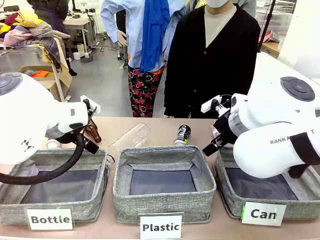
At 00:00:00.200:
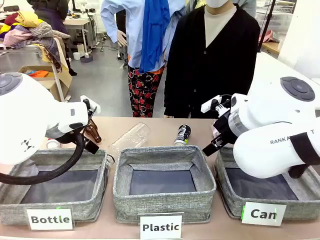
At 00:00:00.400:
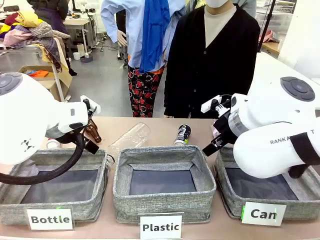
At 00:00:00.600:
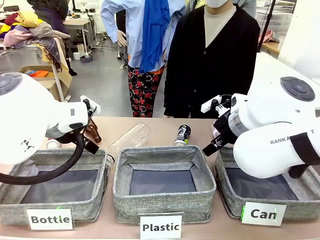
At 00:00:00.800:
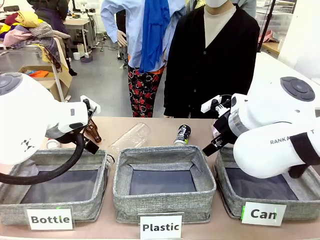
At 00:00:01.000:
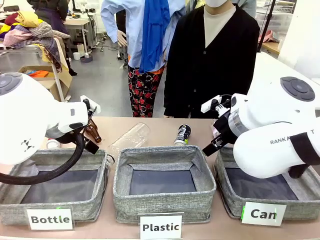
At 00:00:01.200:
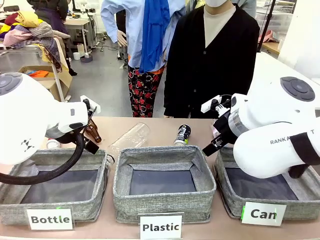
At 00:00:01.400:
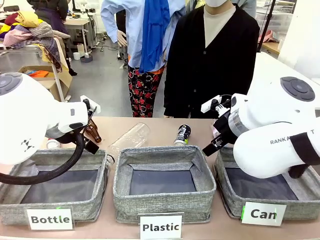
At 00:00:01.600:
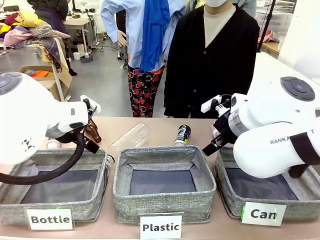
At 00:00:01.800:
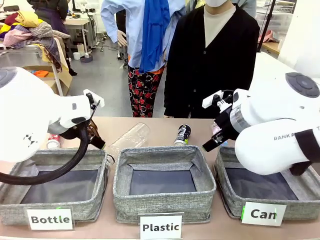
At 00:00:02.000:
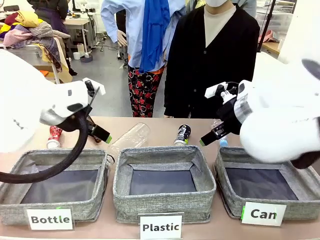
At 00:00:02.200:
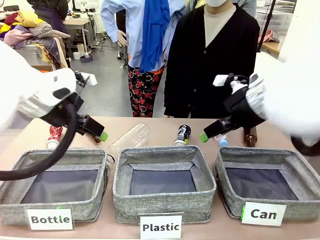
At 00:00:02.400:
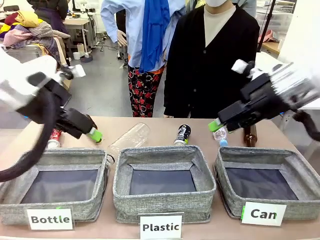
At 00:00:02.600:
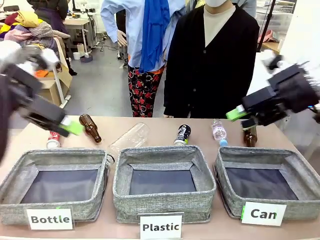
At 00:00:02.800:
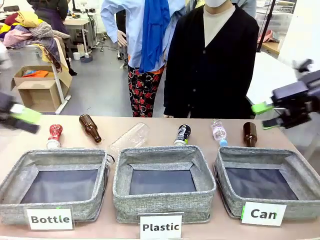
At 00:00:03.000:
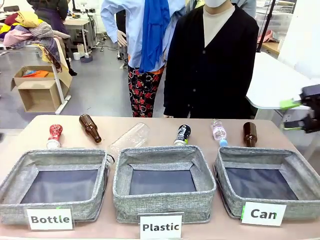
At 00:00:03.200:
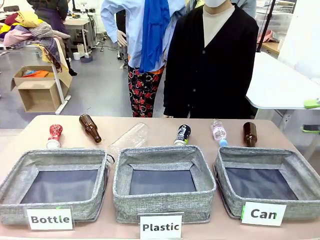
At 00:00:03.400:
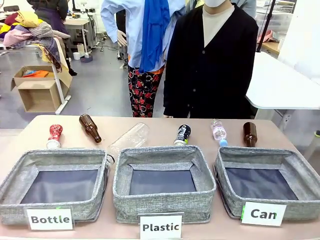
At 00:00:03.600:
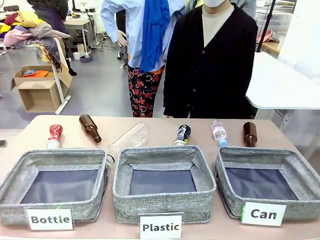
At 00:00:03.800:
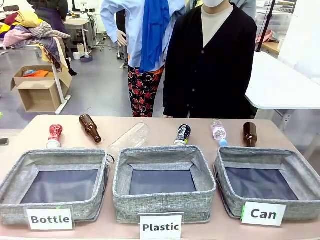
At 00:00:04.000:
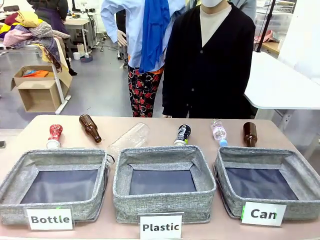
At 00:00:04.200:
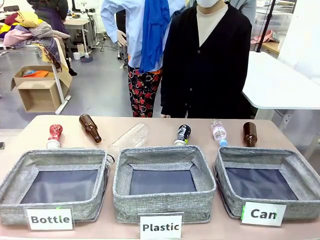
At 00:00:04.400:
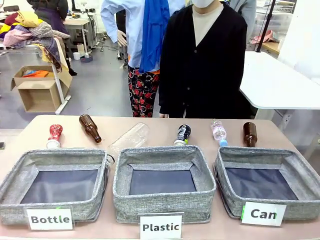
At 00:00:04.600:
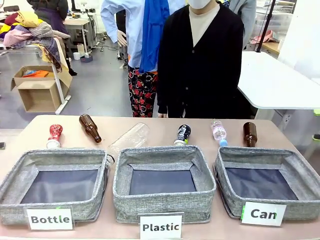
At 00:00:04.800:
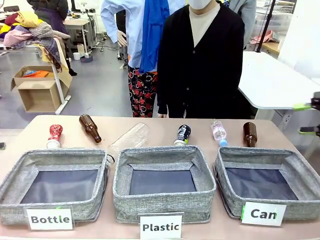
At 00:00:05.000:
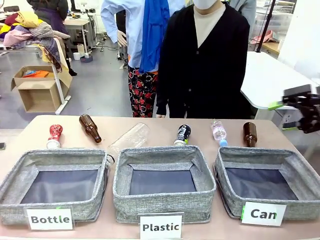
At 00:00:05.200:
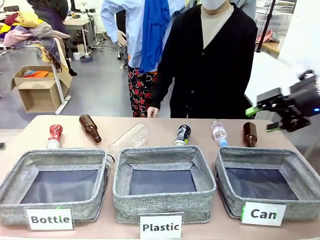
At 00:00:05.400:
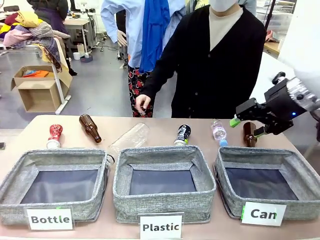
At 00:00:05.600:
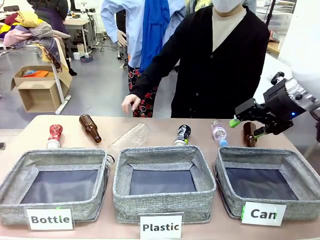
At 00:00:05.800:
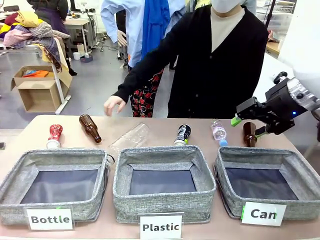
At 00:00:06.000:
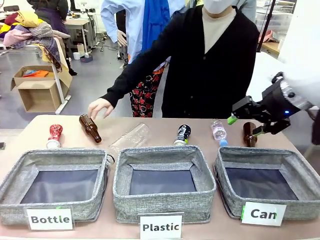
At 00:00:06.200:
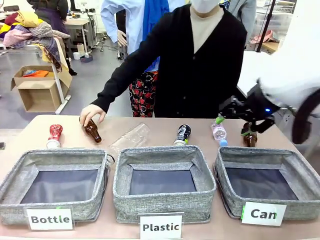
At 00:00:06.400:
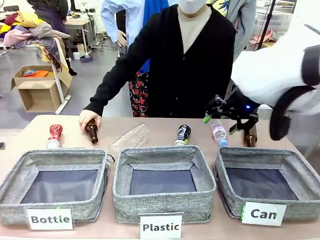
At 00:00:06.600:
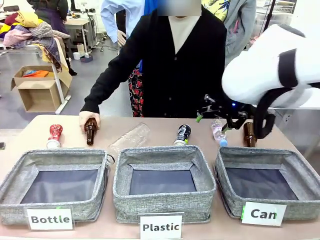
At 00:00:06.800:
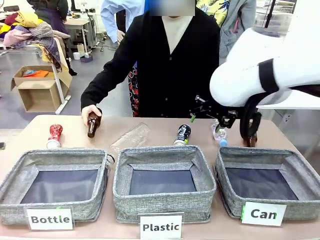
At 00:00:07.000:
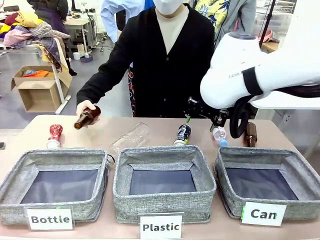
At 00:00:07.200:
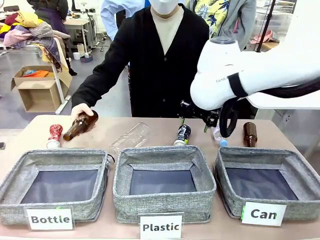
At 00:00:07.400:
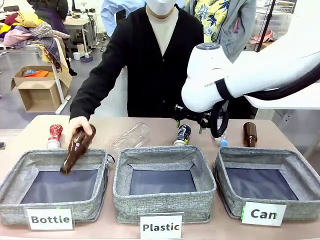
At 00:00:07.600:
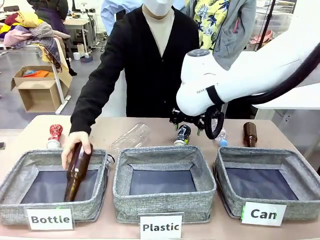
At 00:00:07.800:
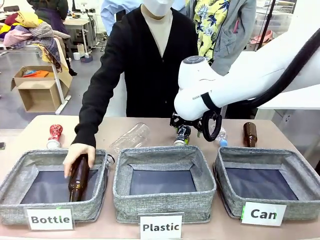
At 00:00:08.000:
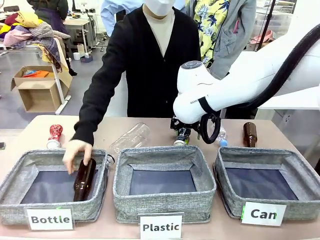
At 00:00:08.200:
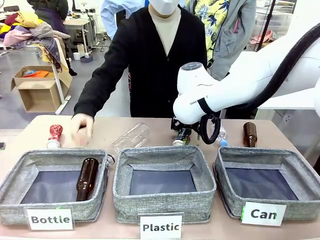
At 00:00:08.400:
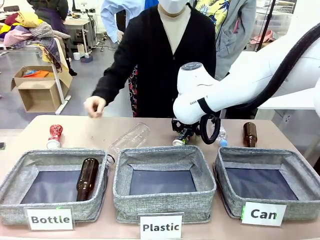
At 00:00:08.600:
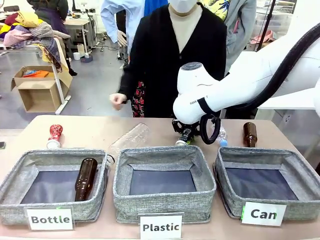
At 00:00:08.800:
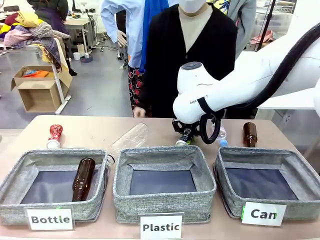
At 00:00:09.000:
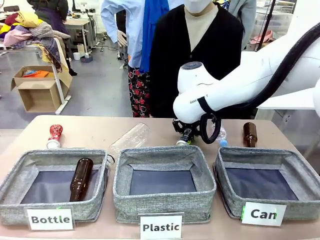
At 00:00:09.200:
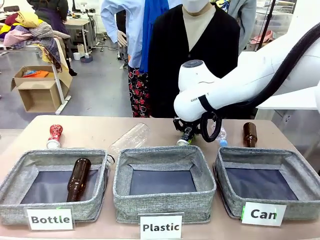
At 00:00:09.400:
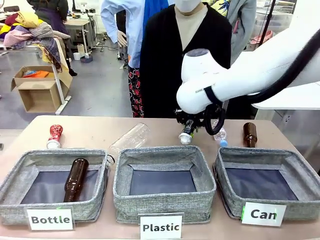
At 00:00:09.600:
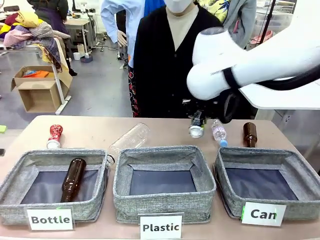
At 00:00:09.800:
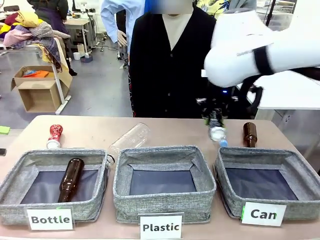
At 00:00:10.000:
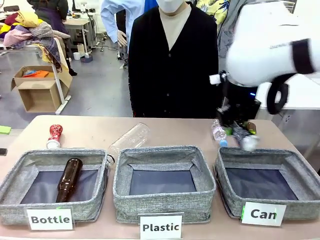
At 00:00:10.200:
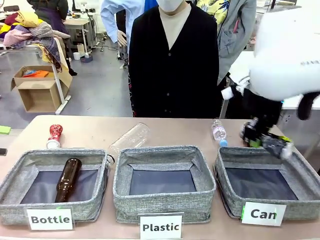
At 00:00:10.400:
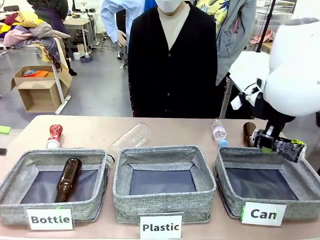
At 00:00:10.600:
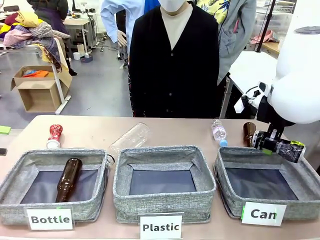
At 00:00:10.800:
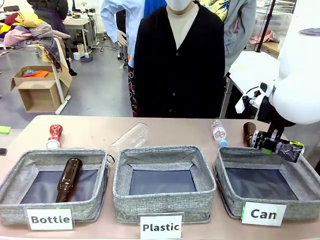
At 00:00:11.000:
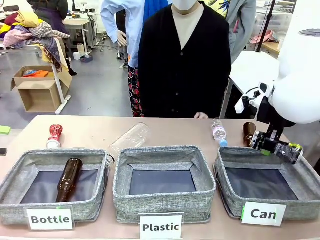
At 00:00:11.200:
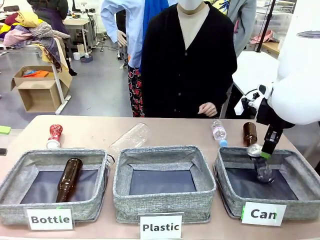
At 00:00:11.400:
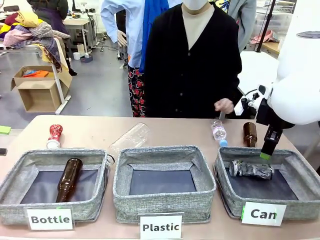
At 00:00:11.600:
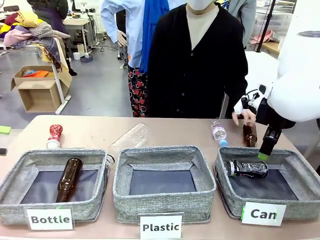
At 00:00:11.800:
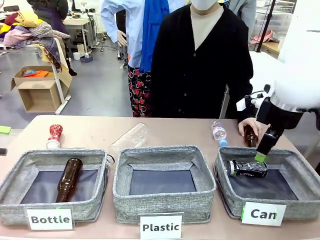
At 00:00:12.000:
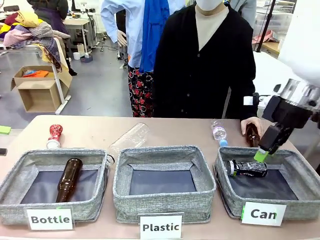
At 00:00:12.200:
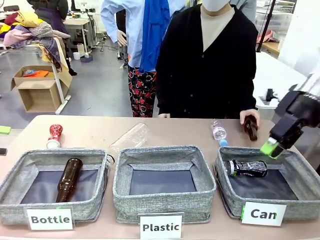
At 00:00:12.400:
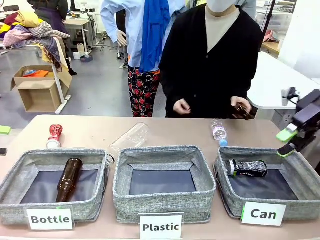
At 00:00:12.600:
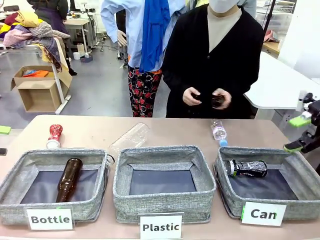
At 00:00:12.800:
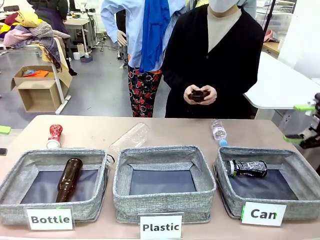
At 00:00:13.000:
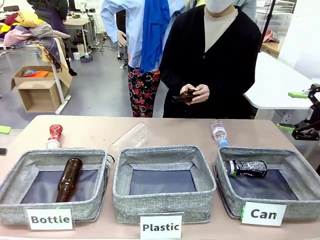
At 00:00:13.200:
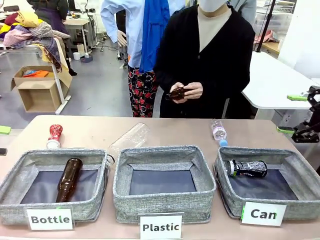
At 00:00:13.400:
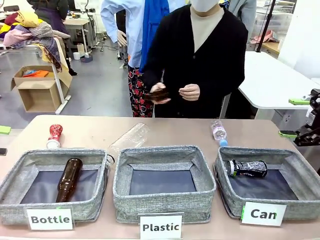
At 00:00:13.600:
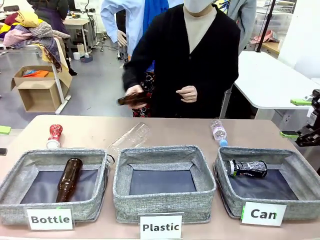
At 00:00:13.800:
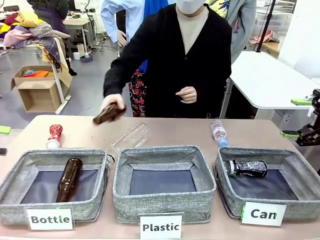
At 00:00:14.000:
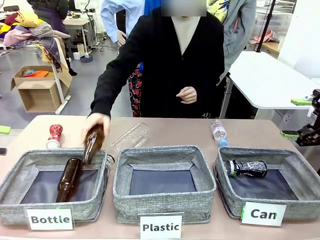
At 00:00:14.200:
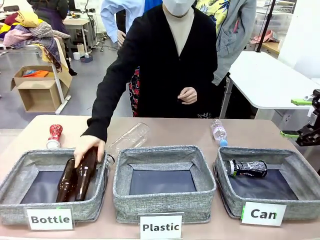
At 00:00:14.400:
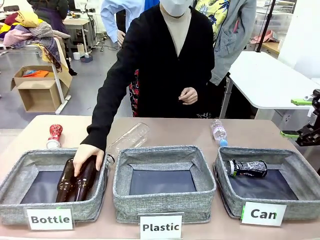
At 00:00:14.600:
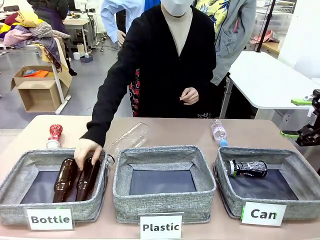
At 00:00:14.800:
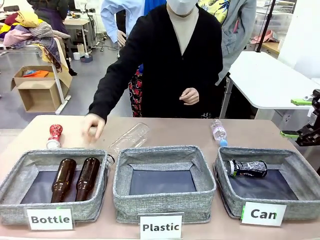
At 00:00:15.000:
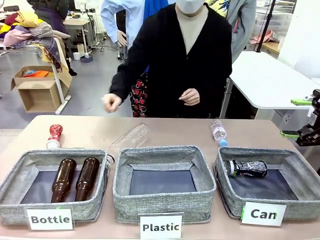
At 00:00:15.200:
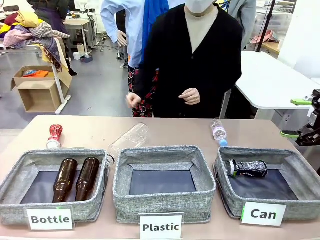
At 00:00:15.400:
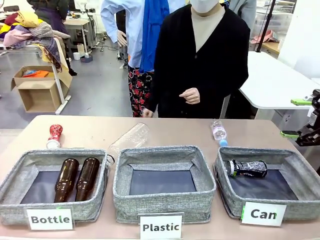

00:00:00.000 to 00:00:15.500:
Task: Sort the can waste into the basket.
Robot: Pick up the can waste from the table and place it in the right Fabric basket.
